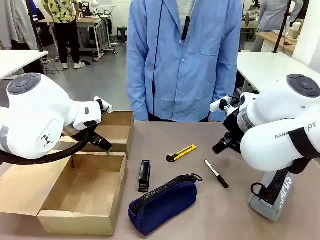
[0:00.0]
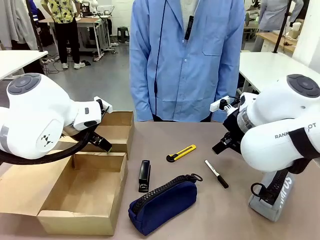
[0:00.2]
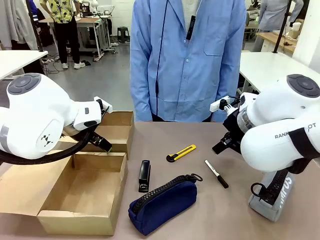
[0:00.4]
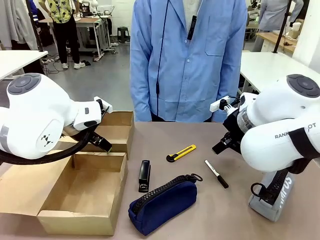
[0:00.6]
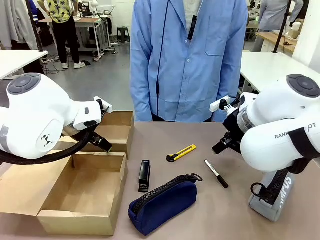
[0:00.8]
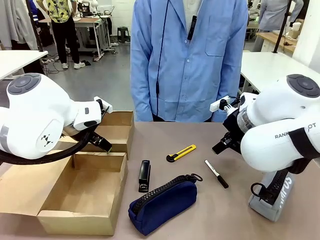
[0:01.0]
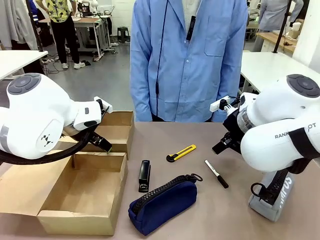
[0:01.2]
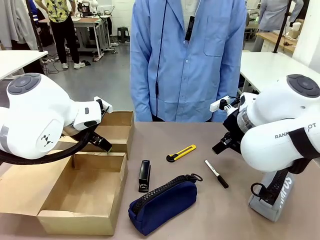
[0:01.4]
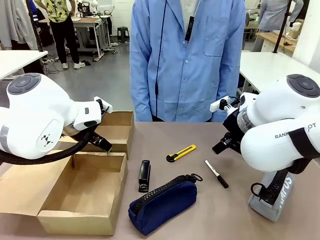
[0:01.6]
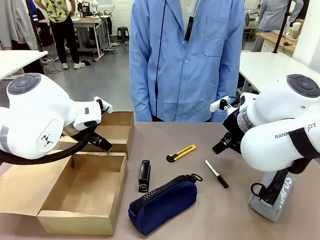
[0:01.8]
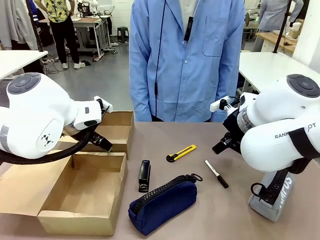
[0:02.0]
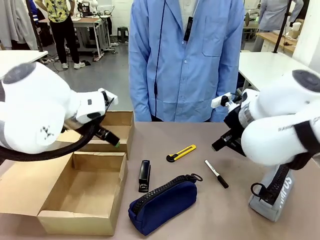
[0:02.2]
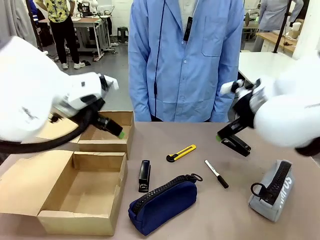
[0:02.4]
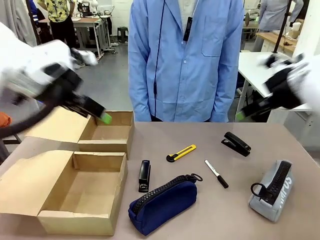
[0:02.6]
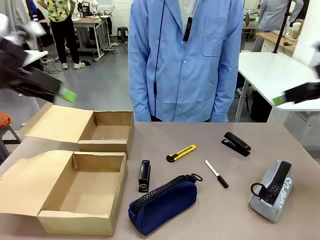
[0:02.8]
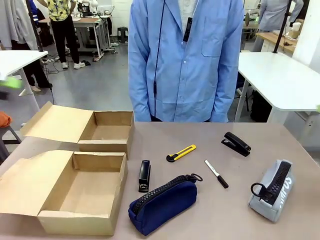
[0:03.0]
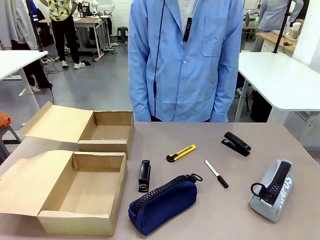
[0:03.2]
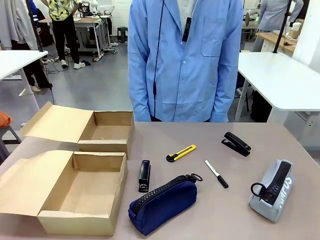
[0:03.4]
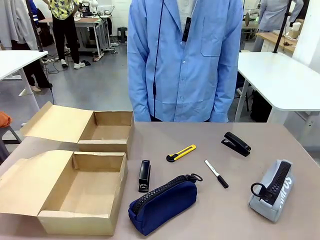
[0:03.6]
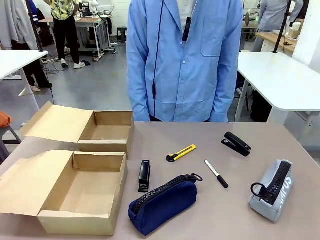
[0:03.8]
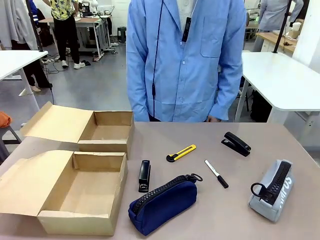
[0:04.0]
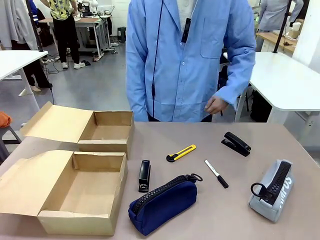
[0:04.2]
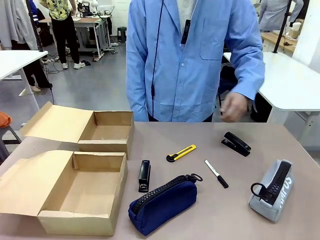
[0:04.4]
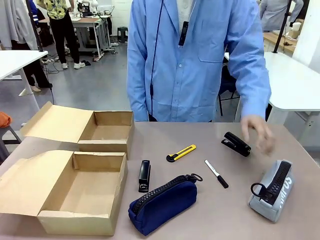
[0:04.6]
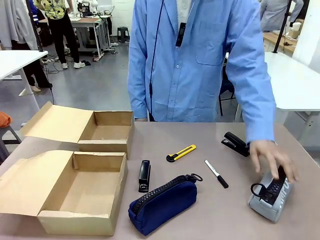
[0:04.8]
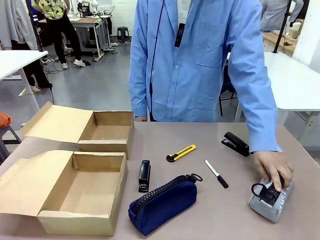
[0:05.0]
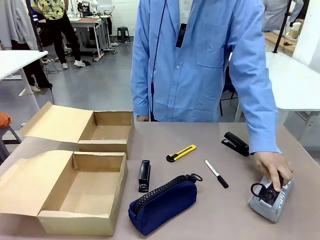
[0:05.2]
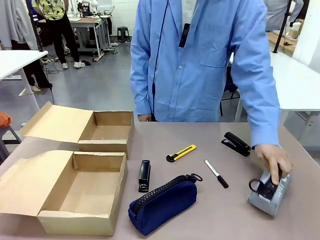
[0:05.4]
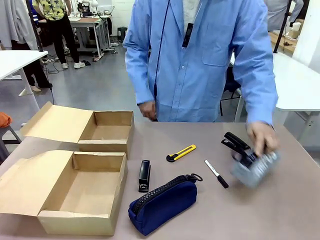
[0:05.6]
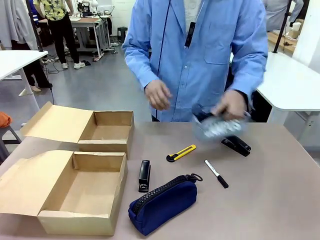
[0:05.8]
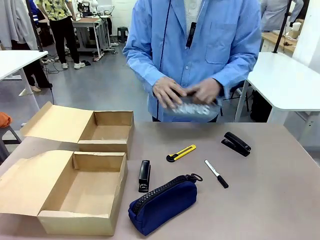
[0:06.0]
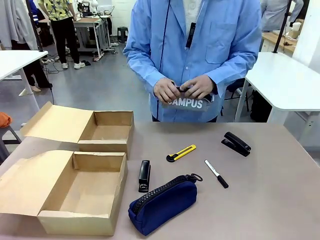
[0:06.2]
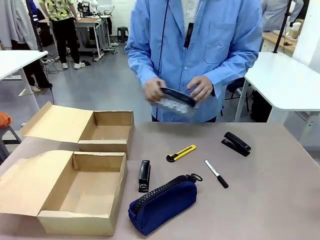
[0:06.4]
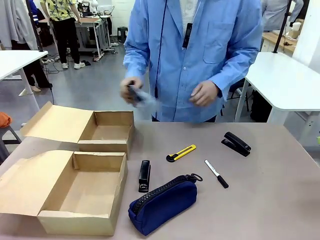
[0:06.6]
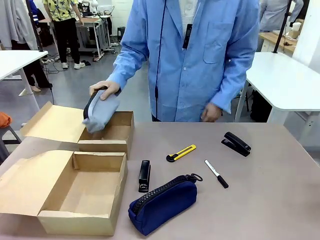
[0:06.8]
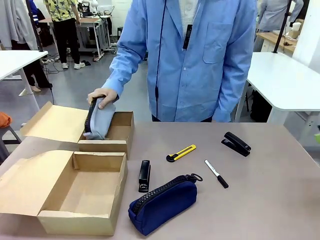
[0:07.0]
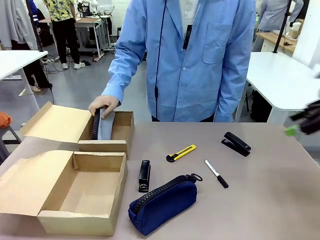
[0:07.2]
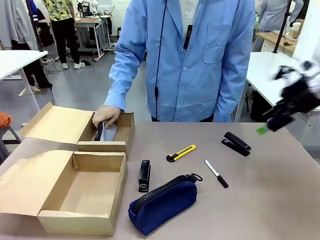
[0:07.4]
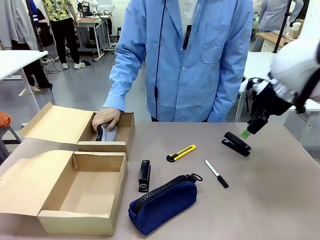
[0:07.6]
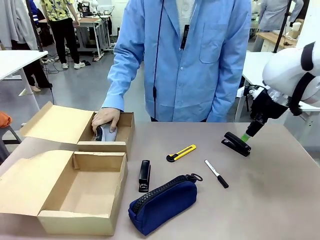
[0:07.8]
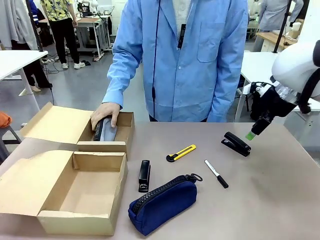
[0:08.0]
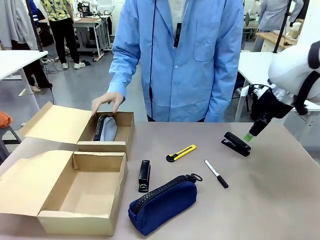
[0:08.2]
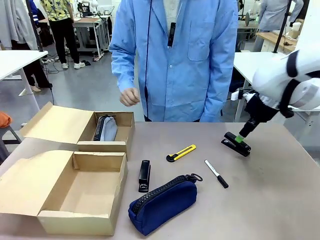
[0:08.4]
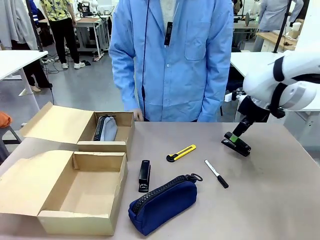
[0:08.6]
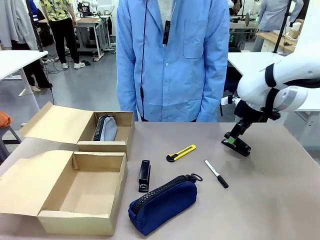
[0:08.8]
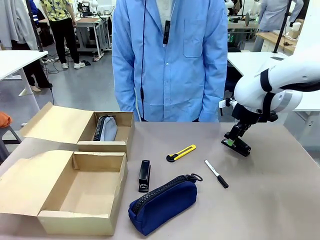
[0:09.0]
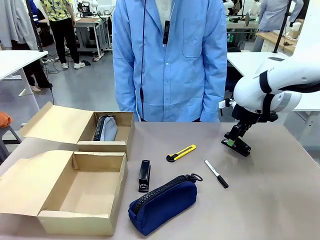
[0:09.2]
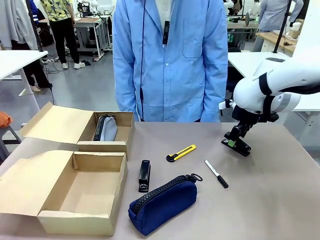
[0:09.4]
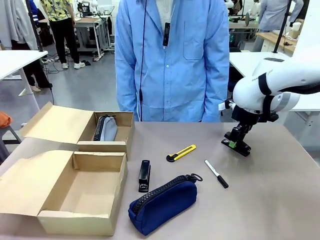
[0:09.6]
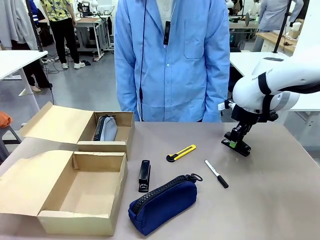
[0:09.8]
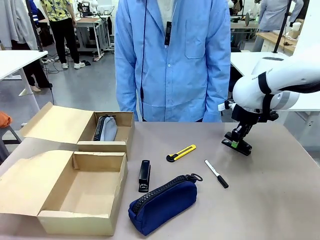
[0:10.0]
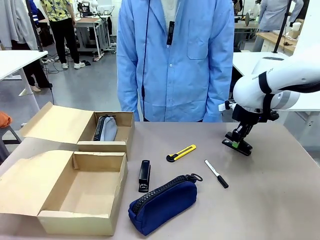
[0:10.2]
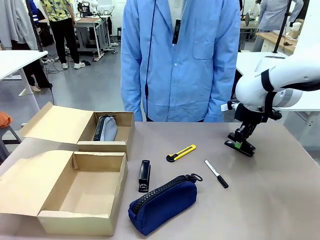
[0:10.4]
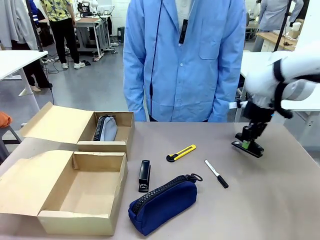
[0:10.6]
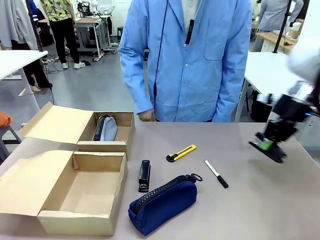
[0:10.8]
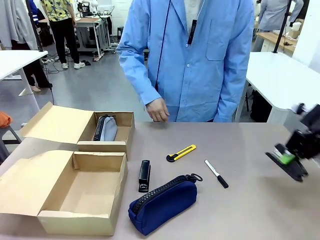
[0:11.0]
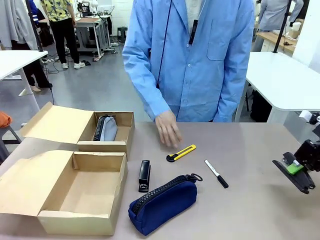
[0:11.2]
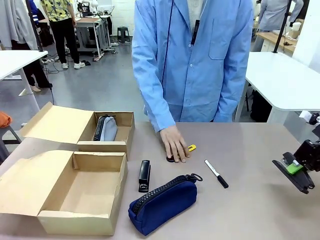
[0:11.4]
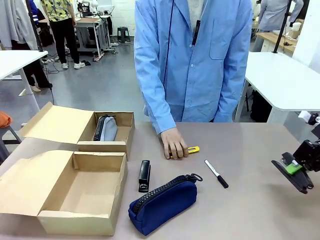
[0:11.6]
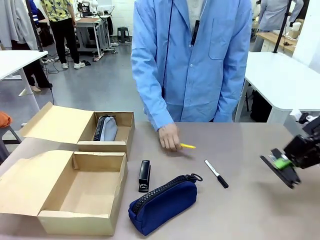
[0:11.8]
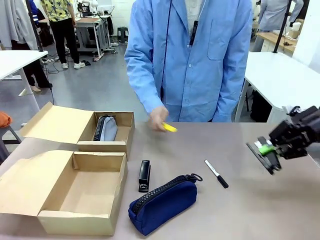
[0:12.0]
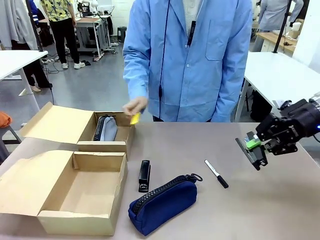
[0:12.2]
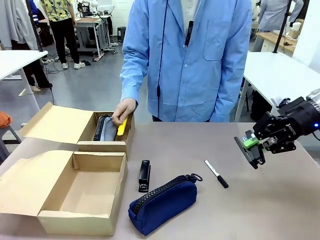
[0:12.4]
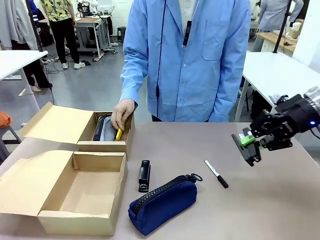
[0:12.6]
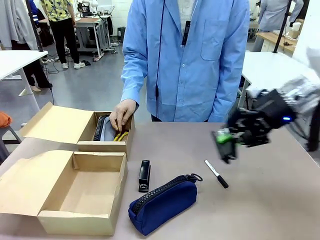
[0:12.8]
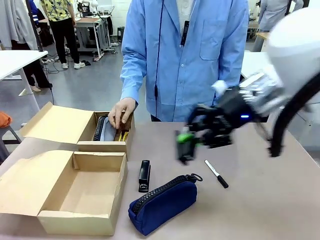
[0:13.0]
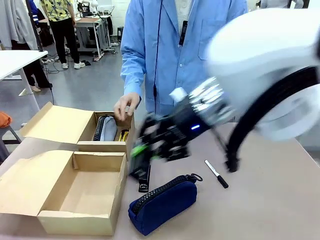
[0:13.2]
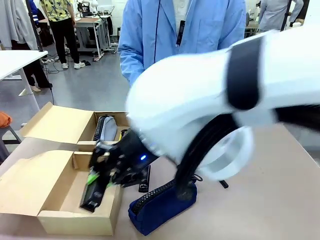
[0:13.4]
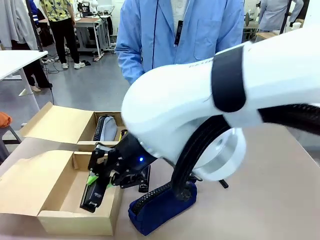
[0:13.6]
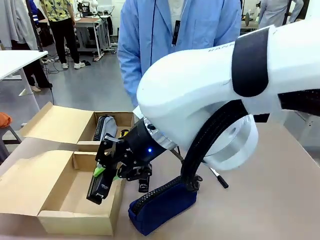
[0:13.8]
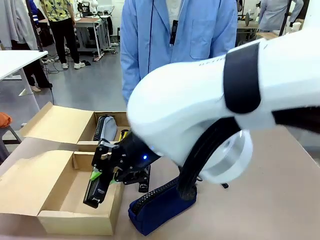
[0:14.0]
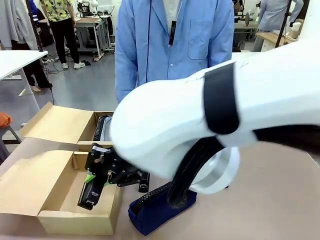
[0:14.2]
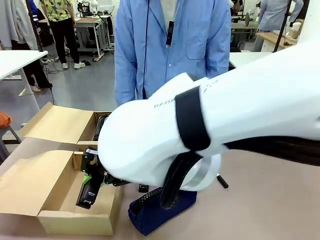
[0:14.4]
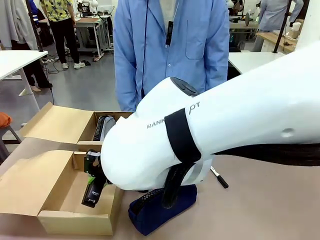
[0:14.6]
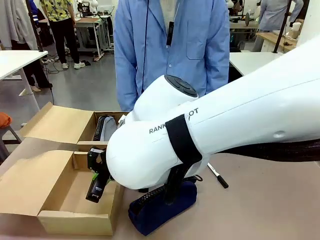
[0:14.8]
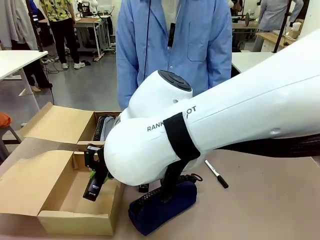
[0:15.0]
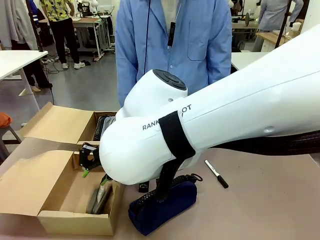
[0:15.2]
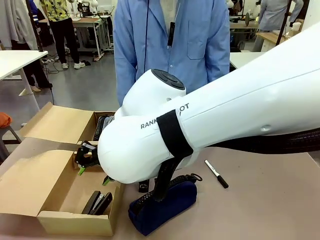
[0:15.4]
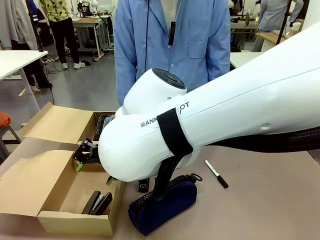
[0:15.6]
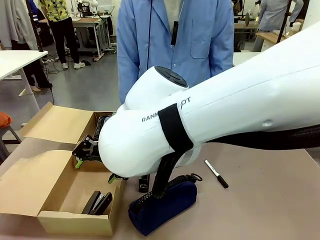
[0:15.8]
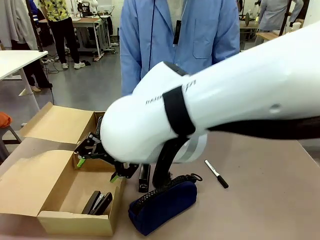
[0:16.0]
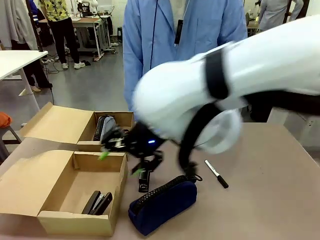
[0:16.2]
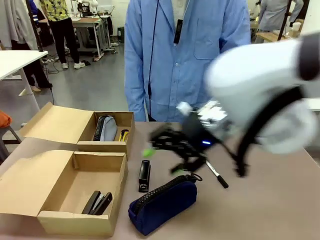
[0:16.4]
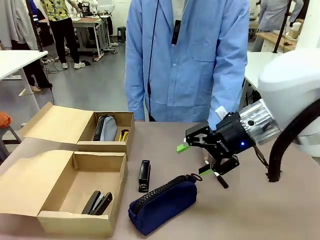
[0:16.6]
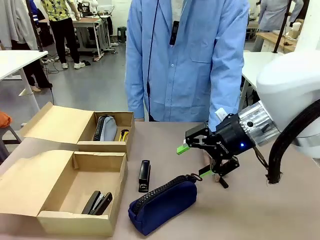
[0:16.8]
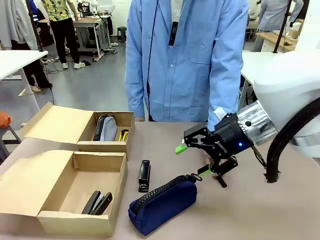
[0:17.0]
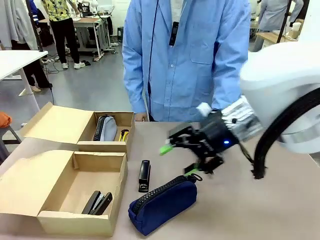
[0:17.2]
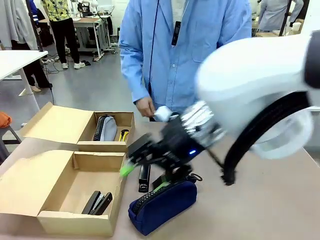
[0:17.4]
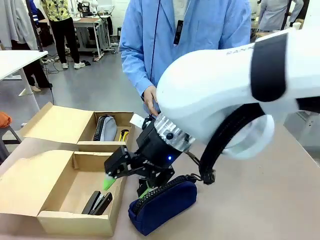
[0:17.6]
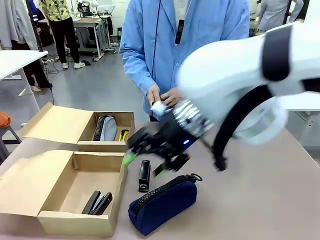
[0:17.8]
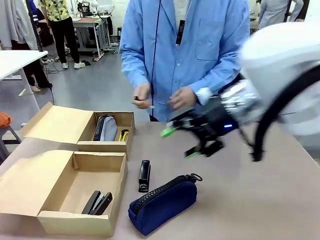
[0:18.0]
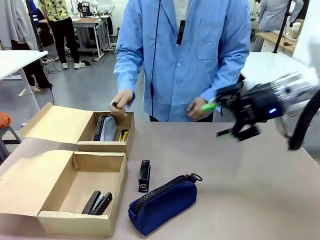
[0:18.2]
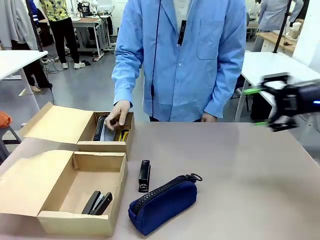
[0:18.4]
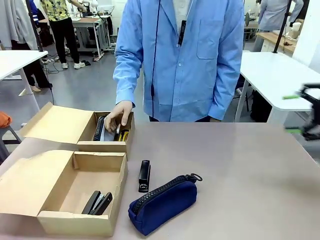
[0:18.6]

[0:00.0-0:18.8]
Task: Place items inside the box.
Robot: Pick up a Pencil pouch or Stapler and place it inside the Mailer Box closest to the robot.
Person: Pick up an object on the table and put it in the box.
